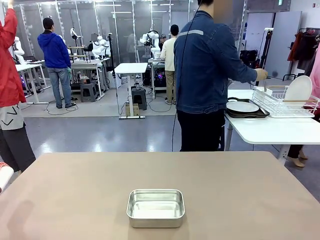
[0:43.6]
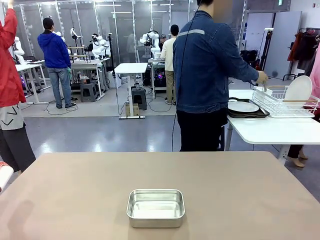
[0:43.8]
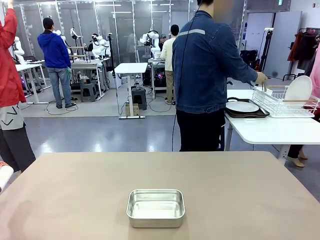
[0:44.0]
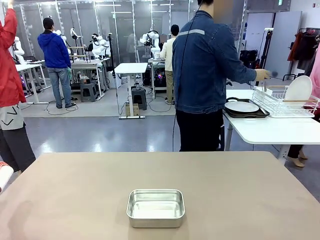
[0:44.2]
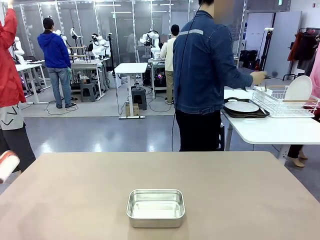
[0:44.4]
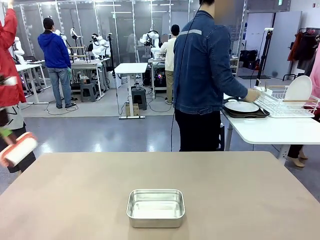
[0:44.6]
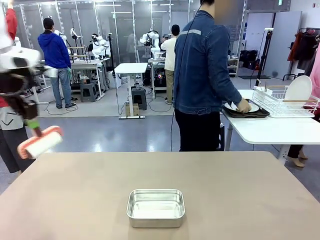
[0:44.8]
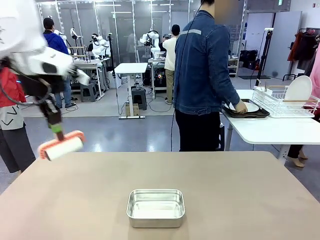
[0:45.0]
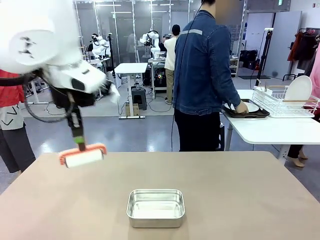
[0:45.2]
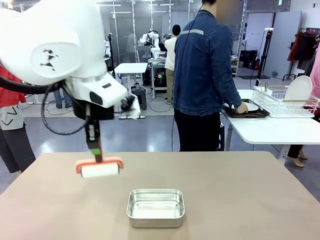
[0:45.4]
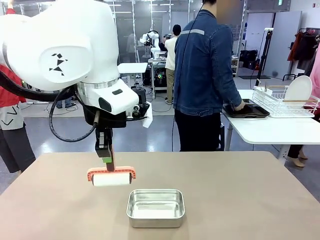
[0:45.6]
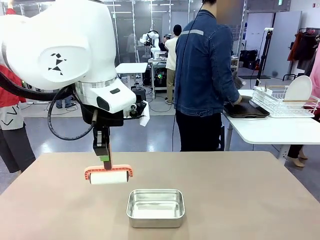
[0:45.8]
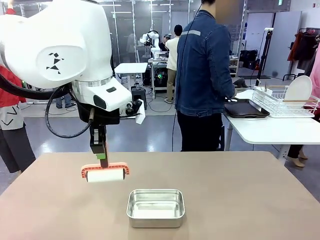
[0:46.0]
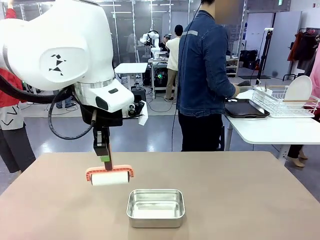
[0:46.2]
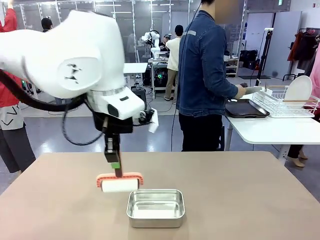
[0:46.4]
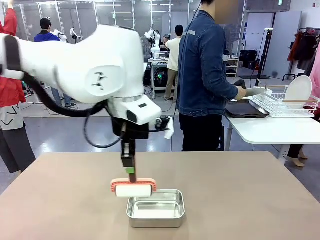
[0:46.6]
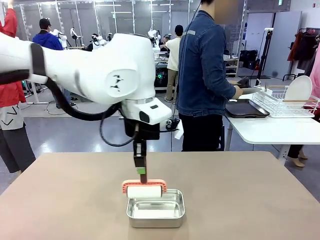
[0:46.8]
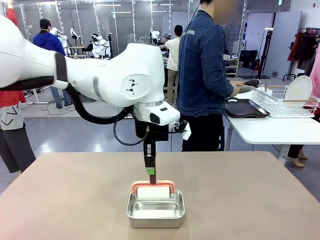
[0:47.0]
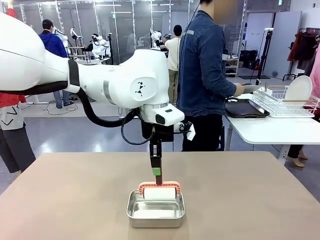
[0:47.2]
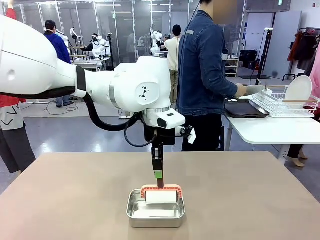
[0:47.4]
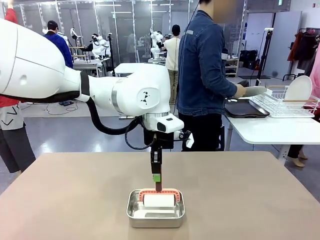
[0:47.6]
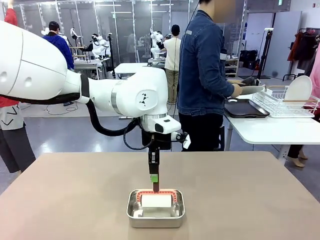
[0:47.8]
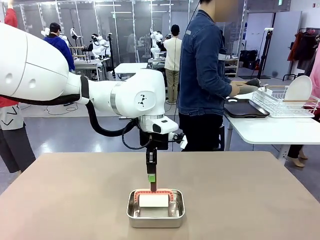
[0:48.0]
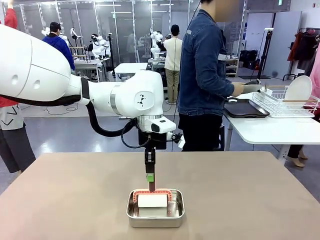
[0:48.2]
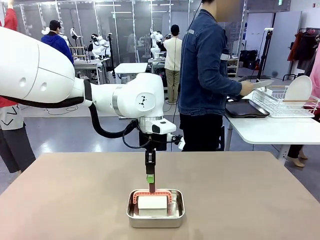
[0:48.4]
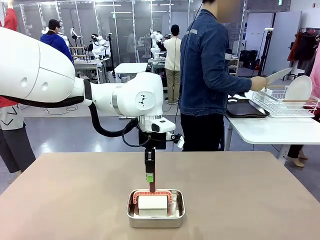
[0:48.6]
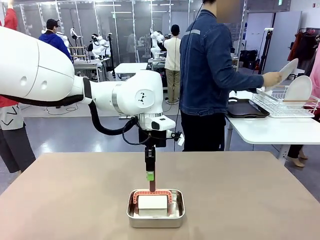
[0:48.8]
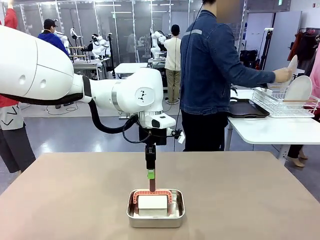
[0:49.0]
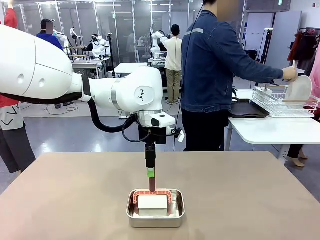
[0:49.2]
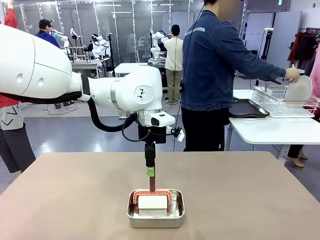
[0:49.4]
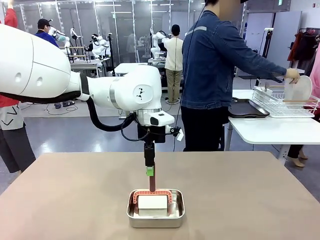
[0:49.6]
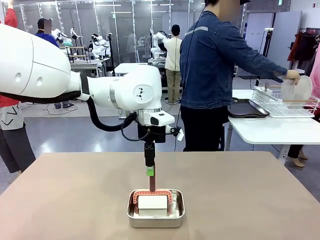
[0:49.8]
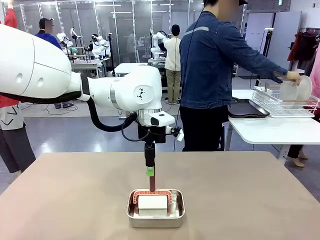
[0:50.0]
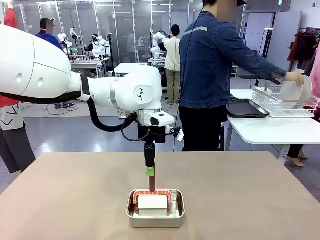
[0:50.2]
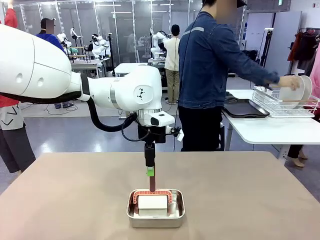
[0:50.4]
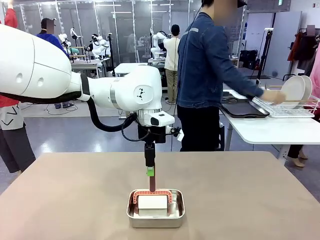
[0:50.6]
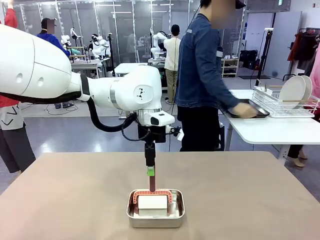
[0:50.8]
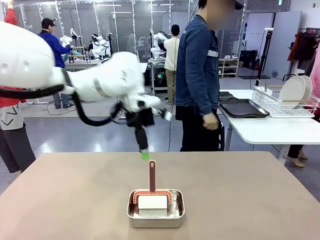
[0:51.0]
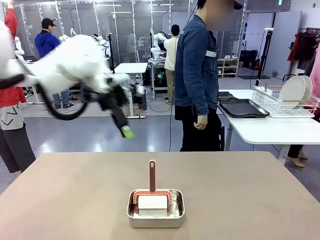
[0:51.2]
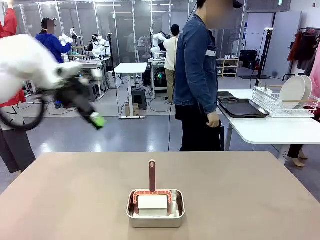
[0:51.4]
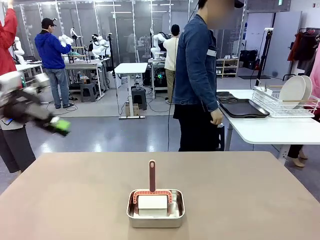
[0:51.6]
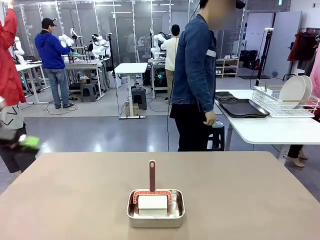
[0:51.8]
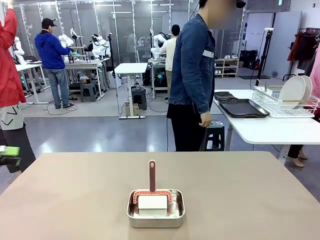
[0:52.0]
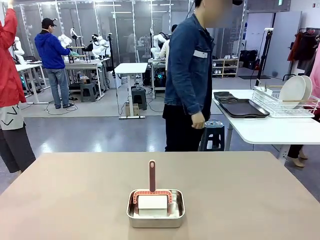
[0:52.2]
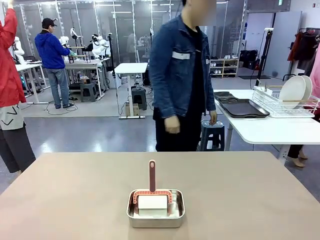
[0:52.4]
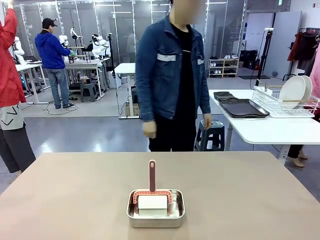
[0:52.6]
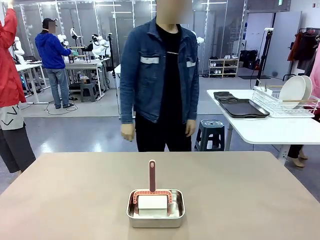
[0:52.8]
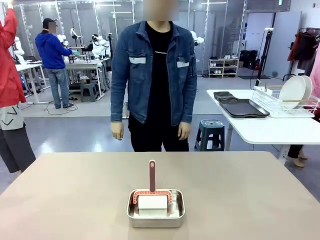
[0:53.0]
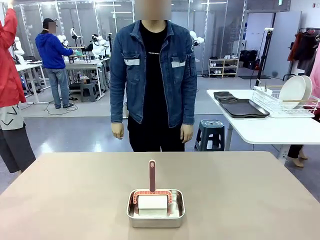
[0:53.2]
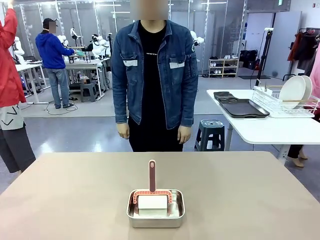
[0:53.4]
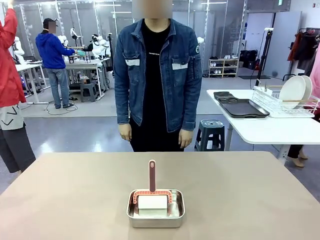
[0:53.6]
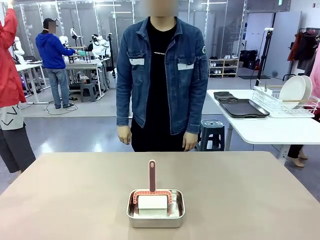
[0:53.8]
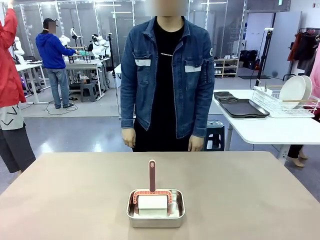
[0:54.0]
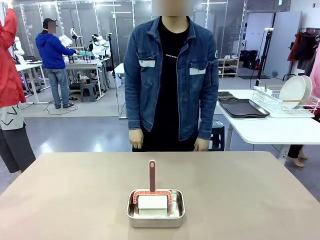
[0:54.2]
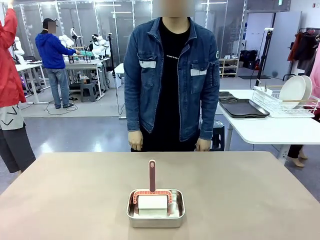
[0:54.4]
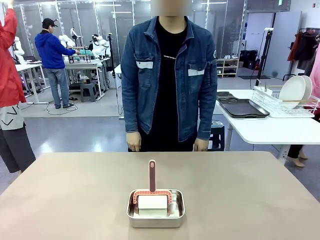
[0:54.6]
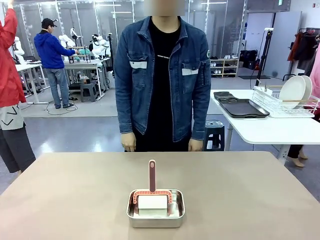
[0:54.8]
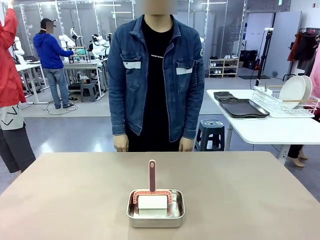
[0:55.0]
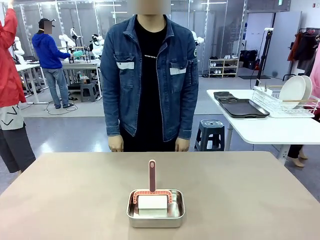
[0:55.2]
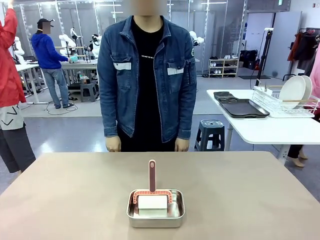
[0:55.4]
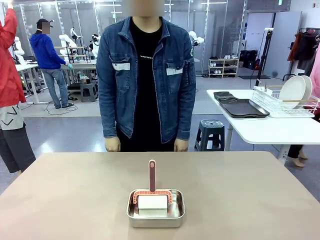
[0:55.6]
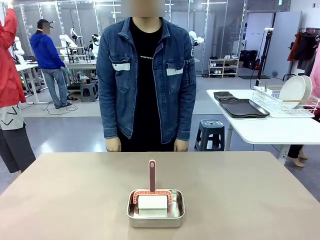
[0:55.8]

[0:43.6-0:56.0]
Robot: Place the Lint Roller back on top of the Airtight Container.
Person: Use the Towel with hook to wipe the Plastic Matte Plate , Fork , and Knife and place into the Dish drying rack.

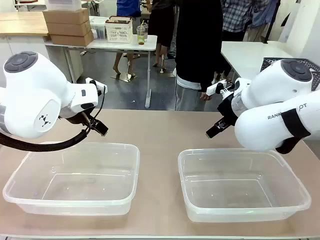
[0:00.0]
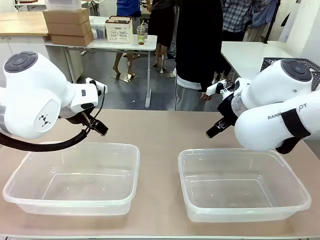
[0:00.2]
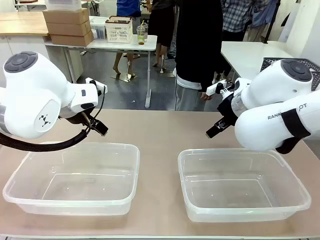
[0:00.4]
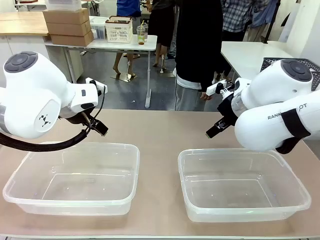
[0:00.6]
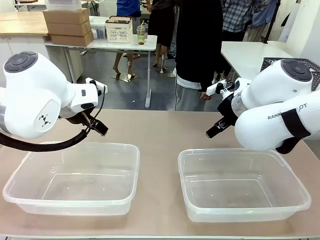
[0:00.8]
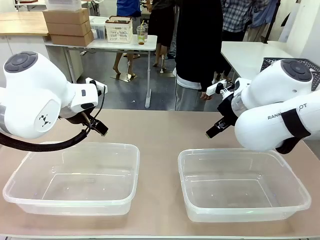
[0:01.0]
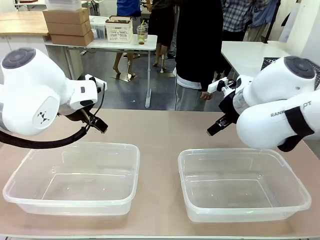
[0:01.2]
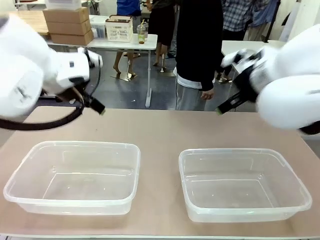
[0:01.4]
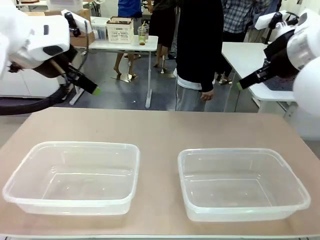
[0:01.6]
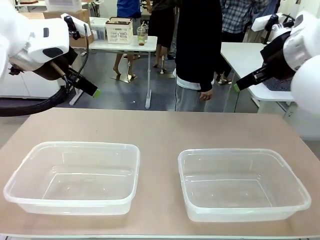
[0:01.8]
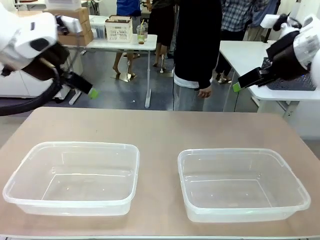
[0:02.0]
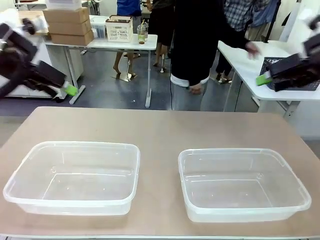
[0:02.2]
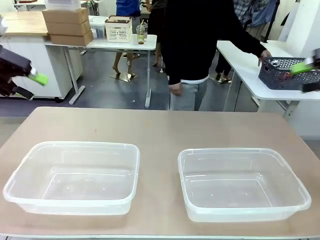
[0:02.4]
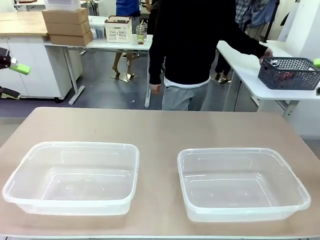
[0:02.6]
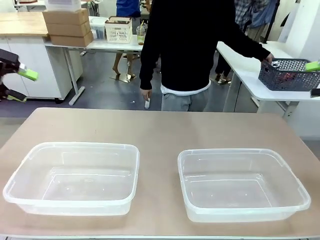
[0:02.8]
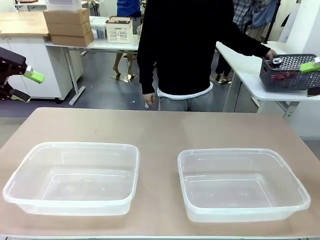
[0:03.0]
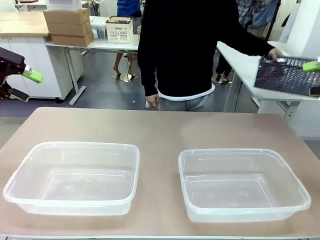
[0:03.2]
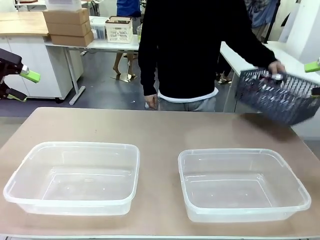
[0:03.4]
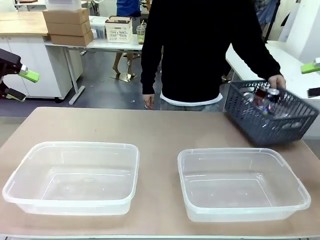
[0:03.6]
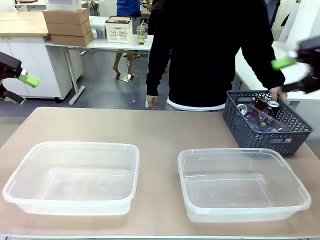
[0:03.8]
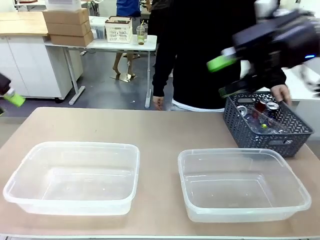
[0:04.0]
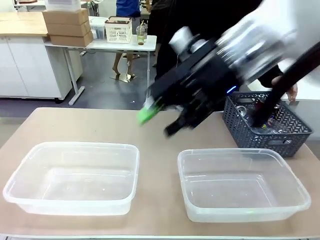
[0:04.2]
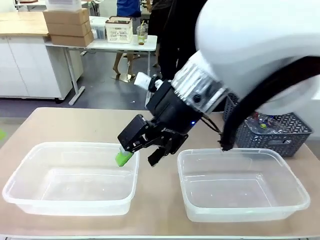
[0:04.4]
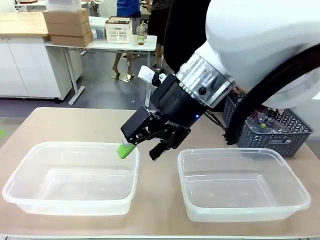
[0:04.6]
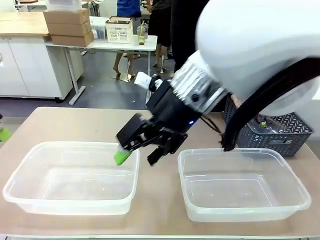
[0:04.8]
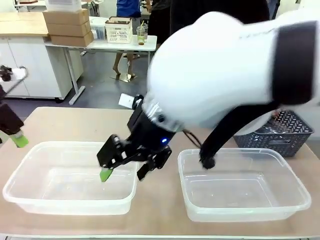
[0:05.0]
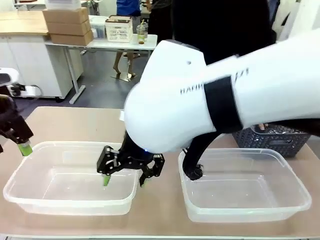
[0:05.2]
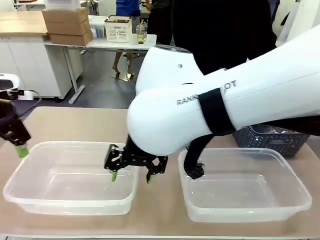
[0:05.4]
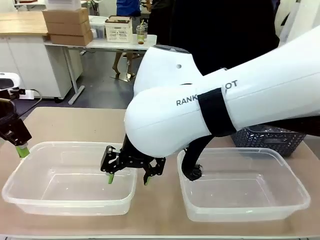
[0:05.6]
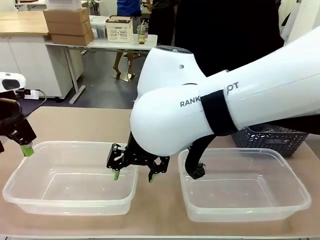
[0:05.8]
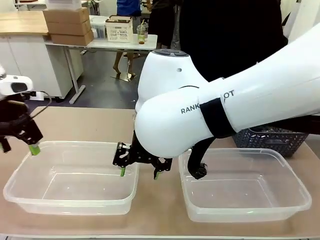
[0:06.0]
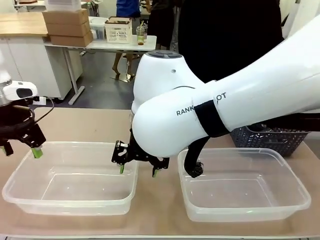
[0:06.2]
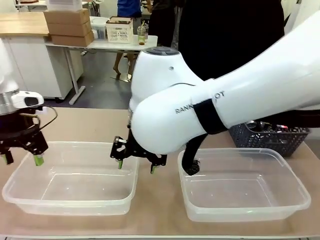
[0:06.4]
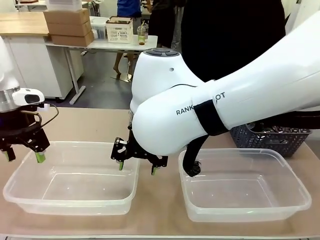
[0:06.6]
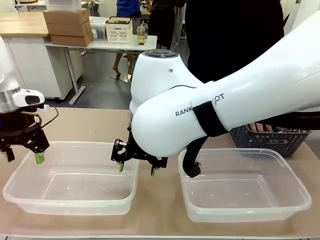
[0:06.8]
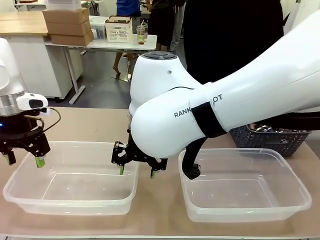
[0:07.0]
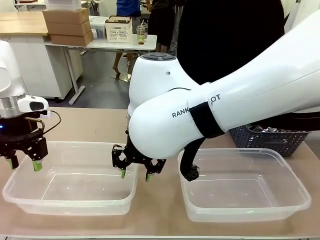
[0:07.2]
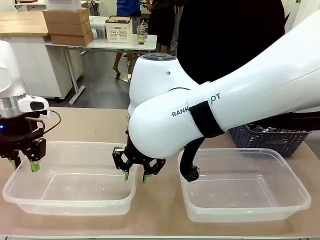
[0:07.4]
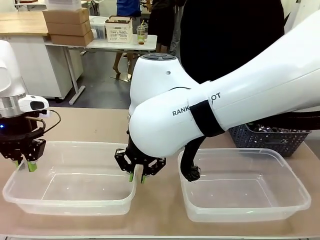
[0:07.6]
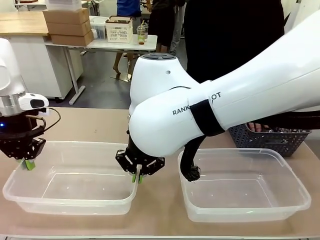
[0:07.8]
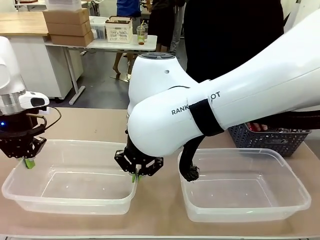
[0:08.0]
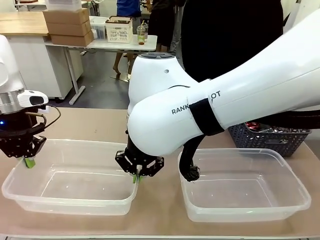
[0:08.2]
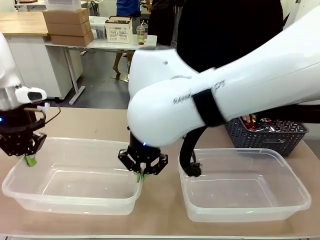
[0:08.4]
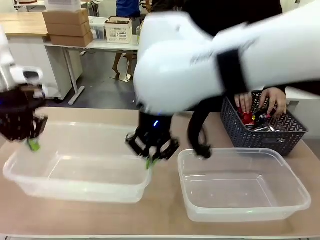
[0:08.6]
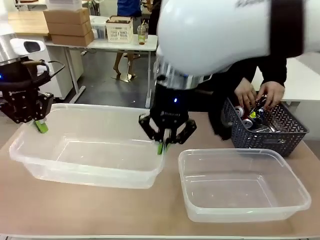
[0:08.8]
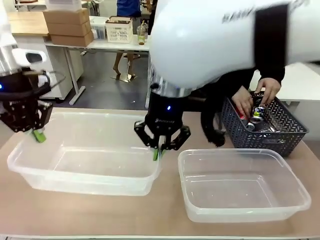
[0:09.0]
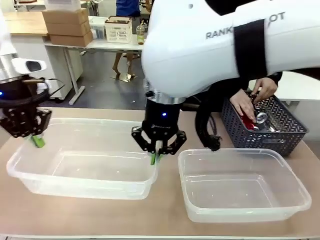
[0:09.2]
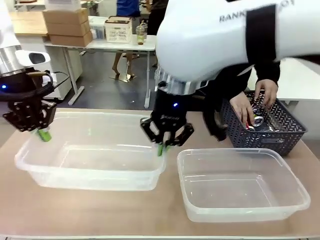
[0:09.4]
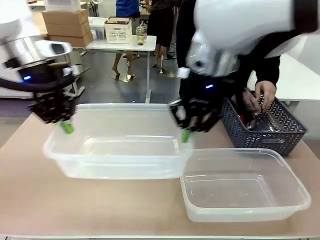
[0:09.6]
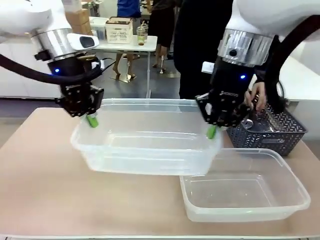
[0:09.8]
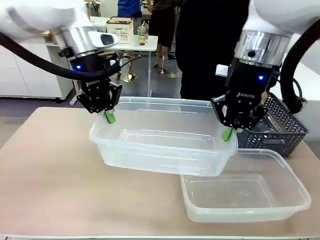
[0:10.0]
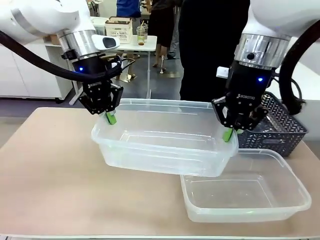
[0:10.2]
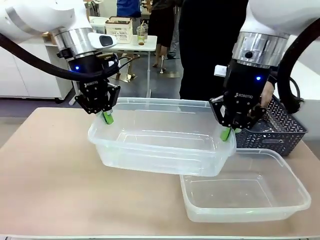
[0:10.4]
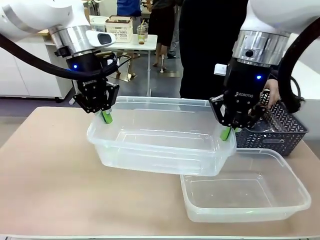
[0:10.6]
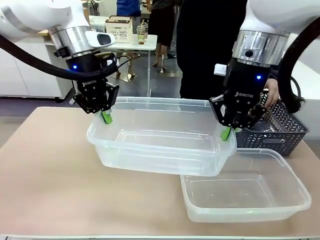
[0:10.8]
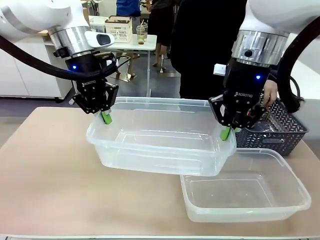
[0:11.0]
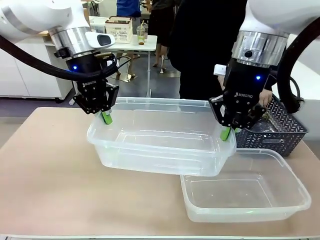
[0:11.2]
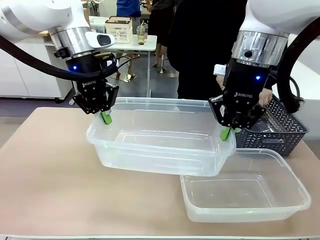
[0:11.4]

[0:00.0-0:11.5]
Robot: Pick up the Organizing box on the left side of the table and lift it.
Person: Pick up the storage basket and place it on the left side of the robot table. Pick up can-shaped waste one by one and place it into the organizing box lifted by the robot.
